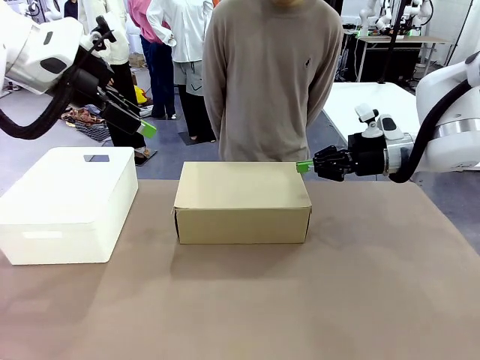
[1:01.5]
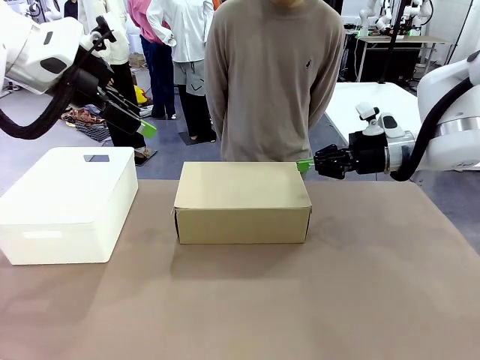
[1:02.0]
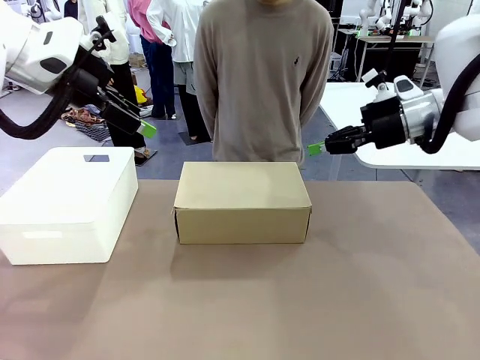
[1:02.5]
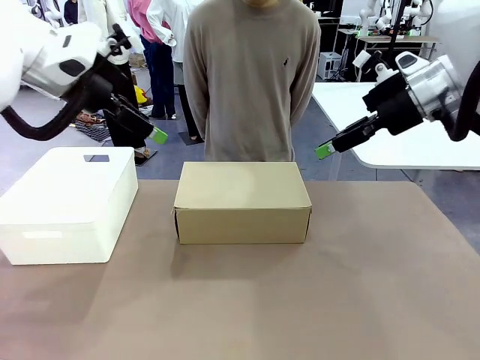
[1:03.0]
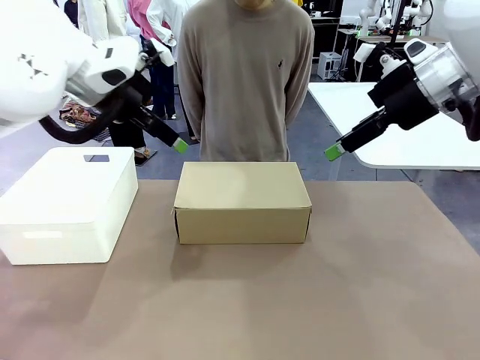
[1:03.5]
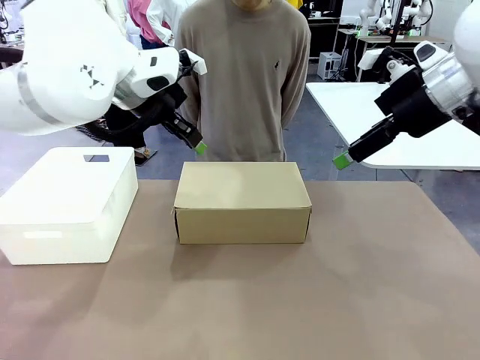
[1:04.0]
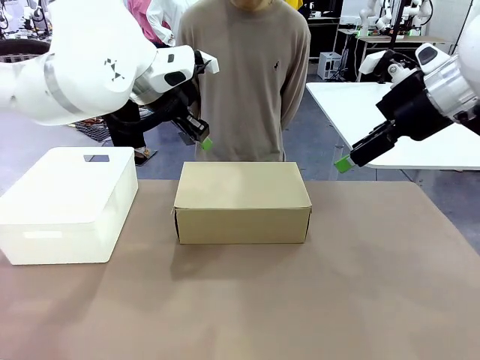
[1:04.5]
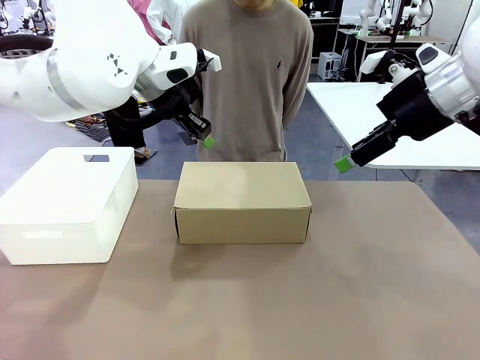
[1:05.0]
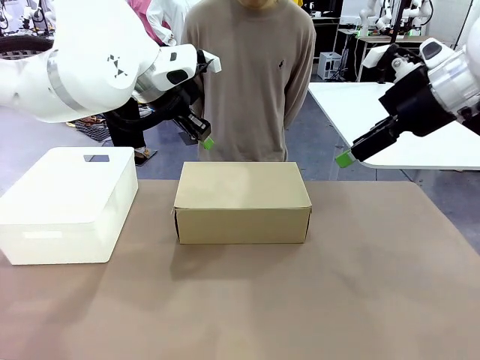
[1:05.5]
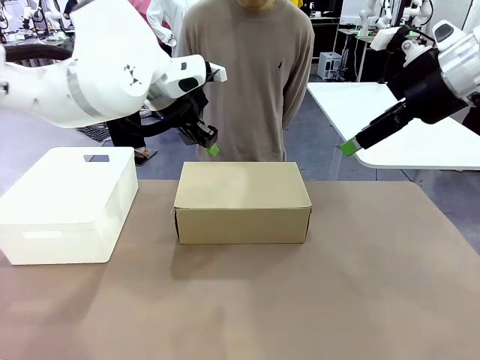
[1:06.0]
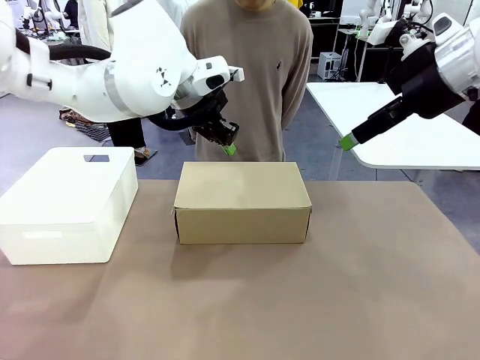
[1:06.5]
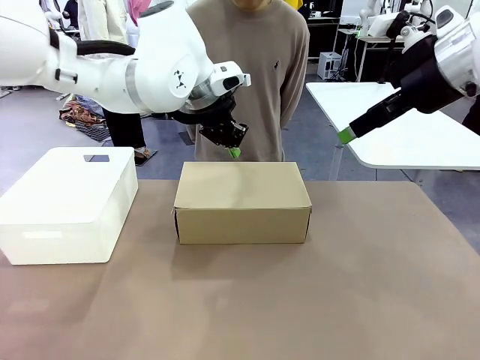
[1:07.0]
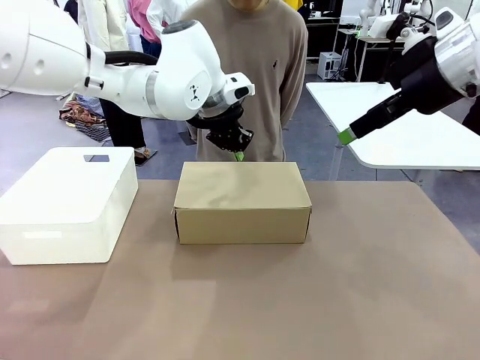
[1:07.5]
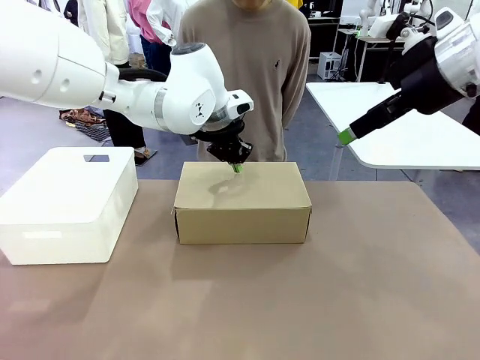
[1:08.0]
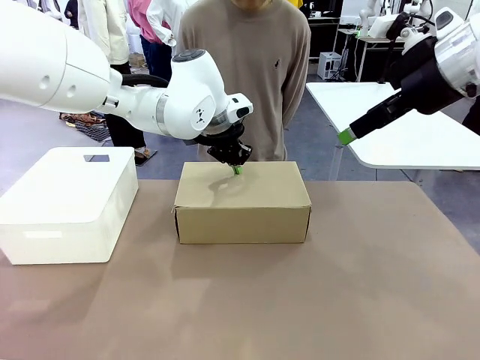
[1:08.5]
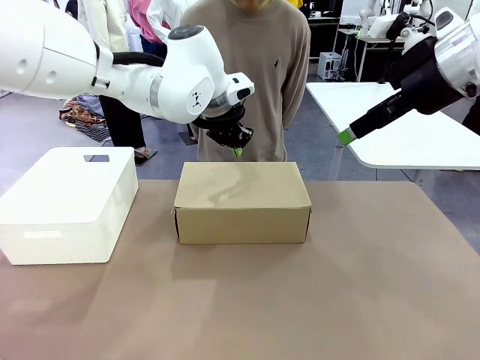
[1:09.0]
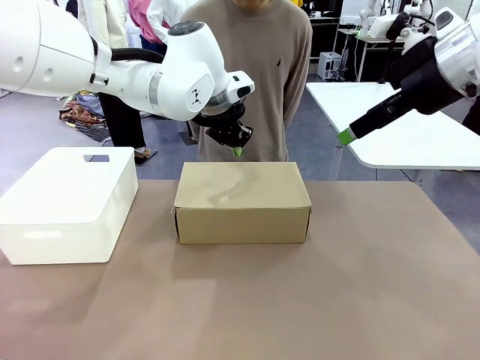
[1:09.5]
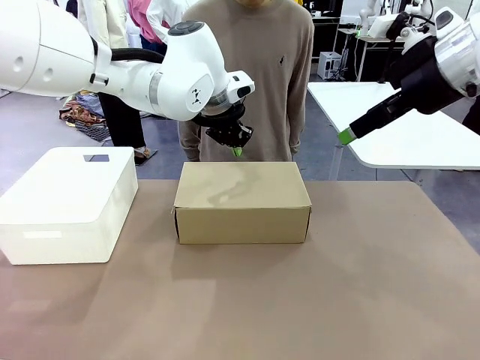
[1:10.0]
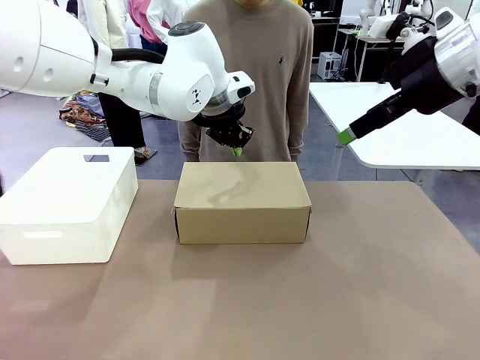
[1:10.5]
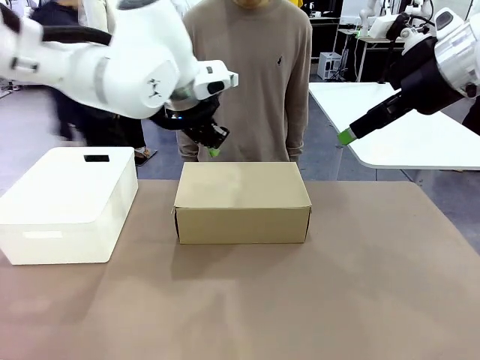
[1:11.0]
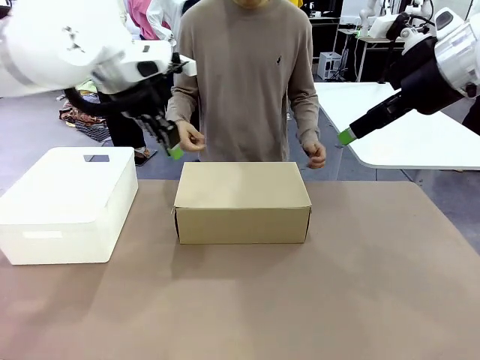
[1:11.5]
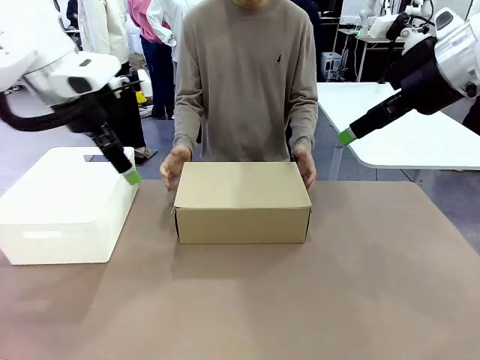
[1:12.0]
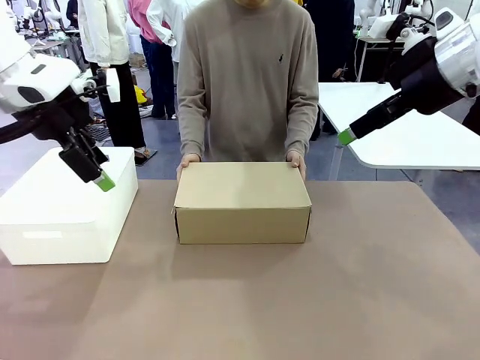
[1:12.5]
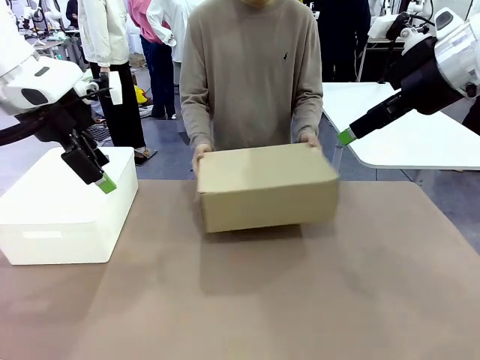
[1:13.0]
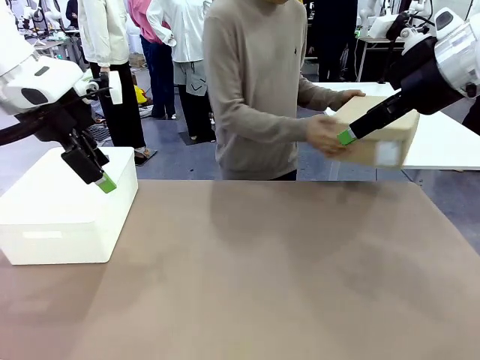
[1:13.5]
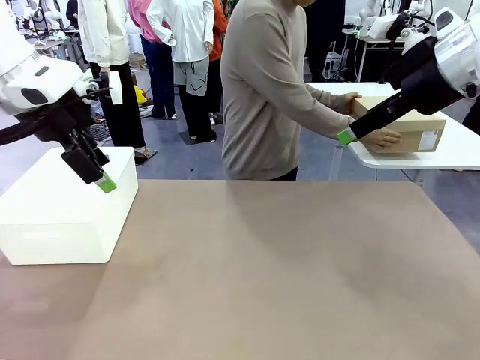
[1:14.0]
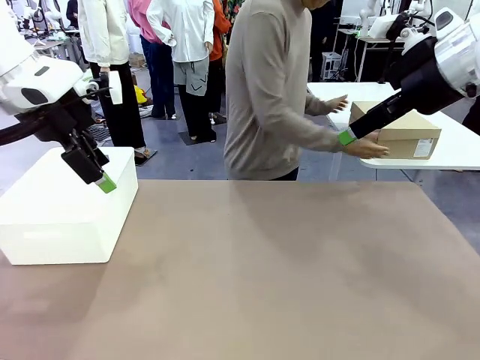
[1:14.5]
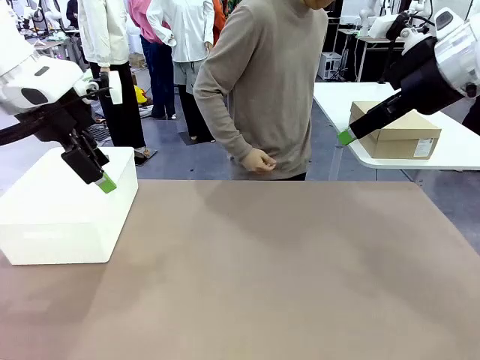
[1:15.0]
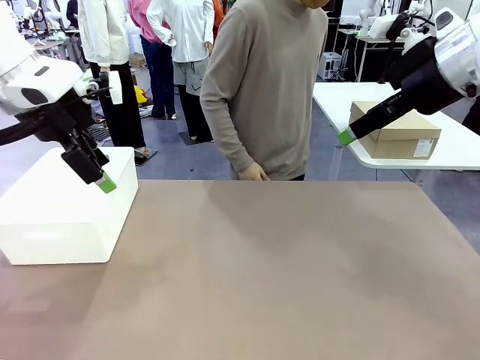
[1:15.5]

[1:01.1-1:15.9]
Task: Pack the shoes into the box.
Robot: Press down on the lid of the Shoes Box.
Person: Place the closed Shoes Box to the right side of the human table.

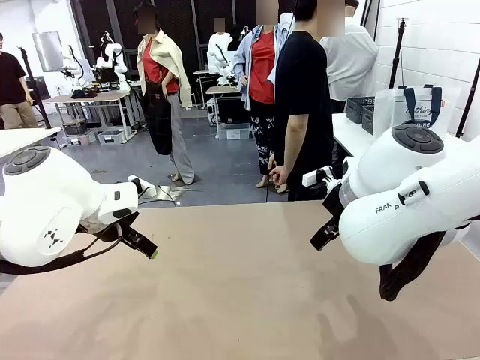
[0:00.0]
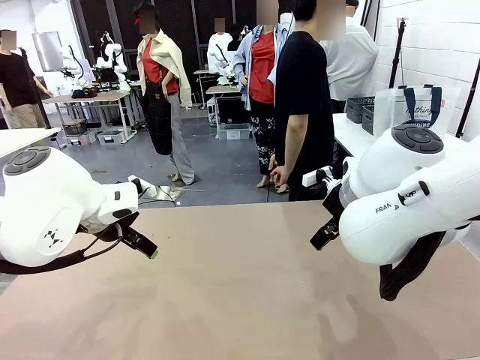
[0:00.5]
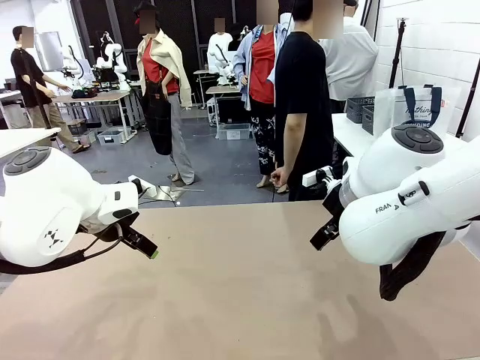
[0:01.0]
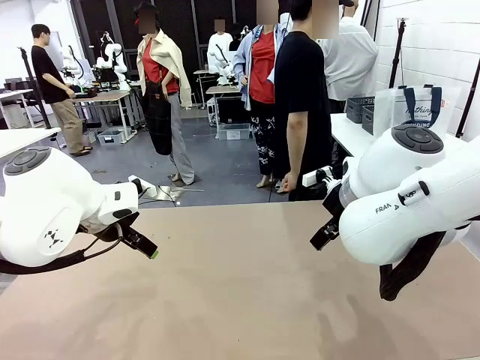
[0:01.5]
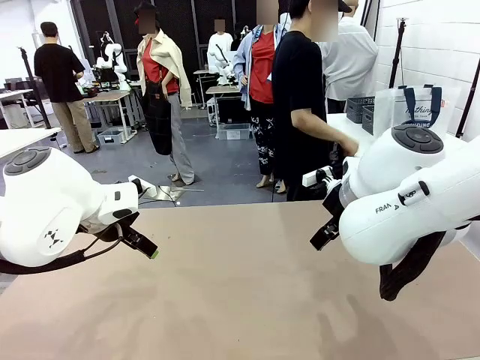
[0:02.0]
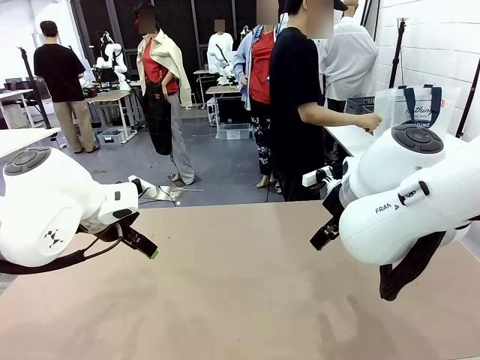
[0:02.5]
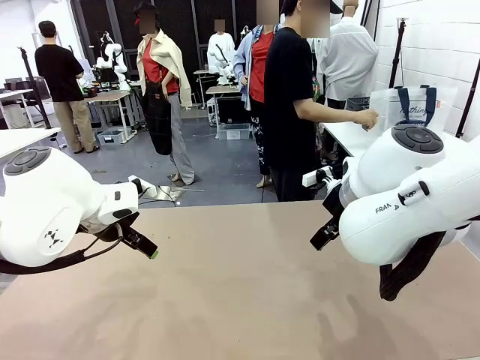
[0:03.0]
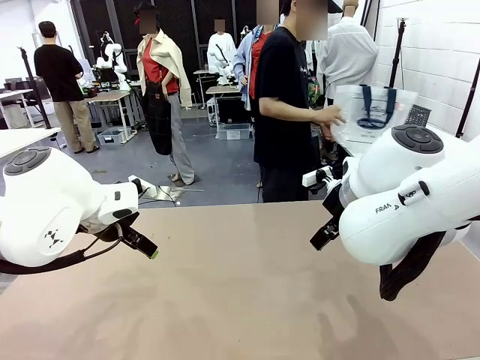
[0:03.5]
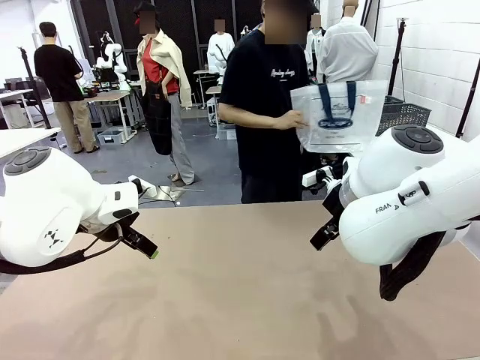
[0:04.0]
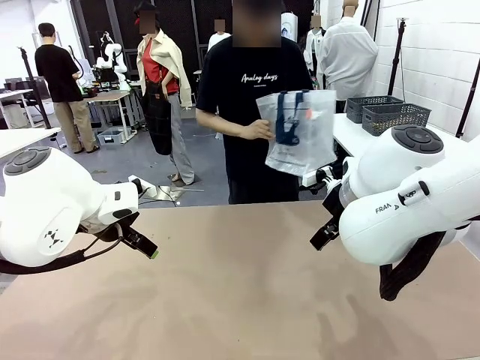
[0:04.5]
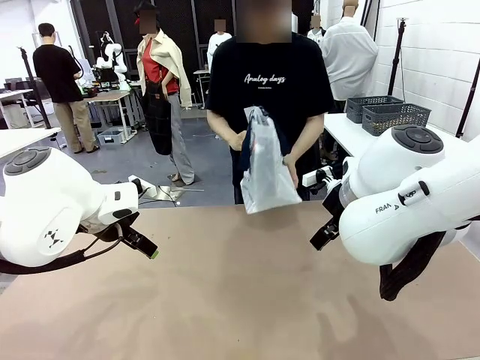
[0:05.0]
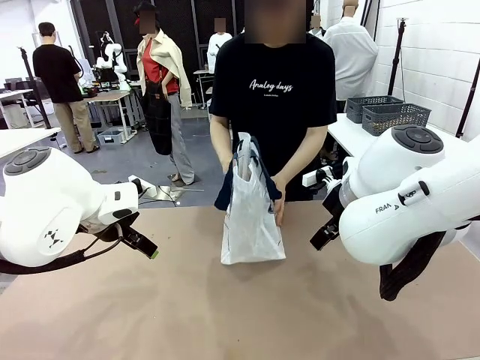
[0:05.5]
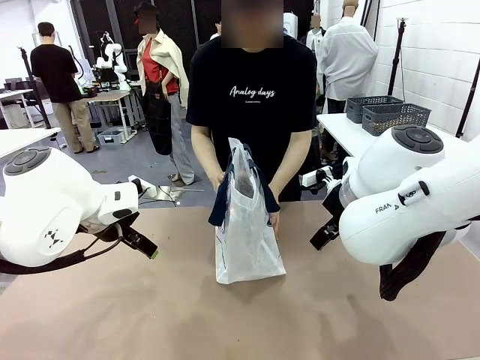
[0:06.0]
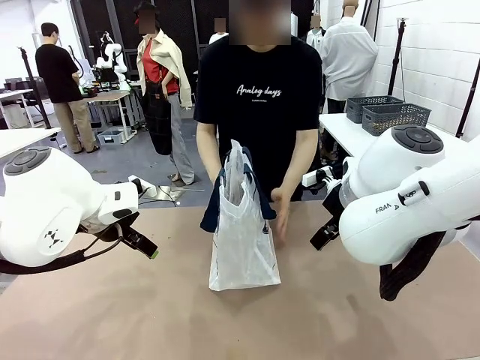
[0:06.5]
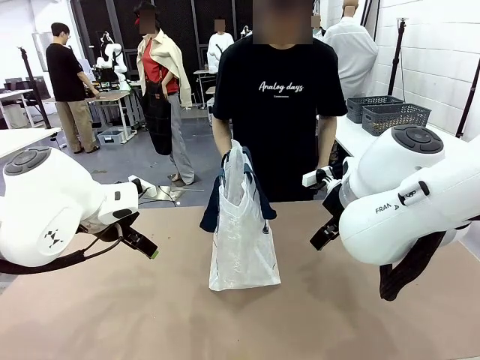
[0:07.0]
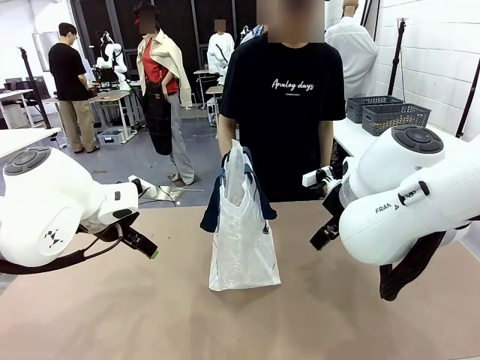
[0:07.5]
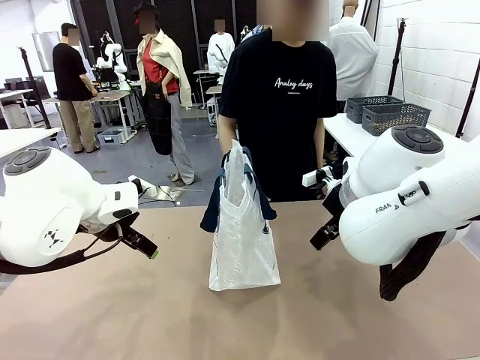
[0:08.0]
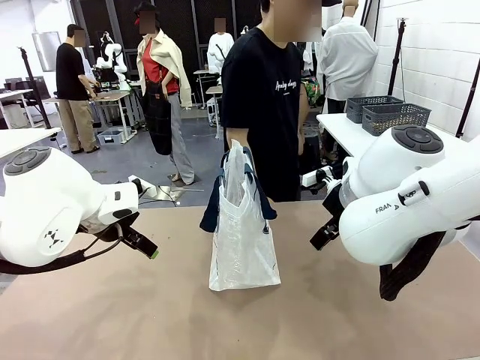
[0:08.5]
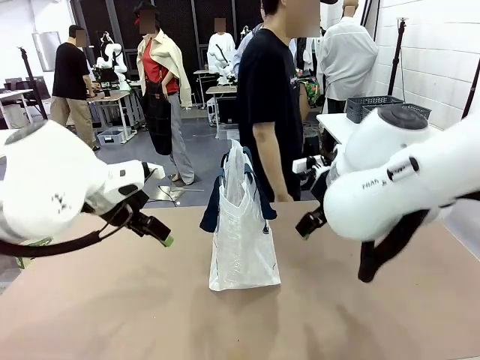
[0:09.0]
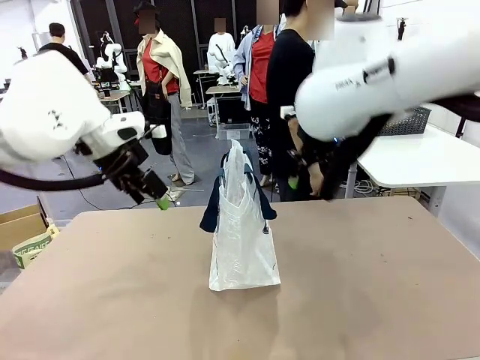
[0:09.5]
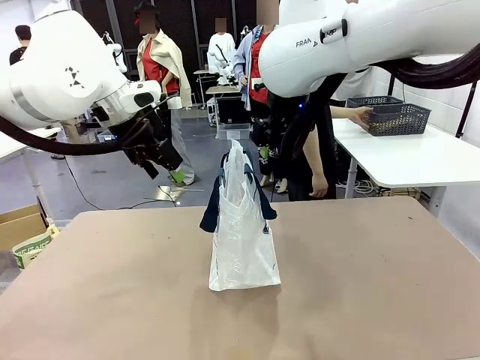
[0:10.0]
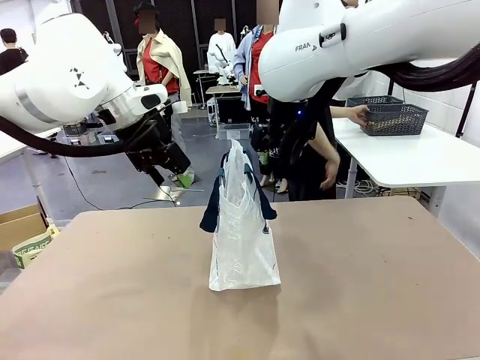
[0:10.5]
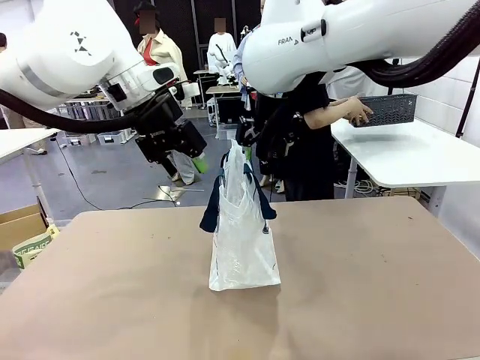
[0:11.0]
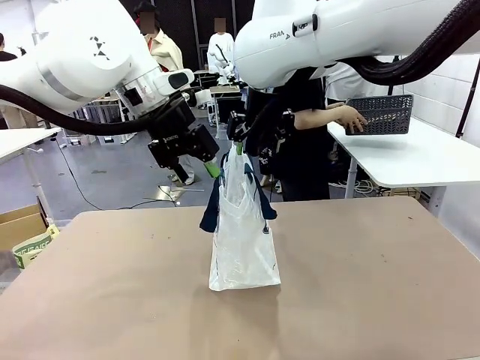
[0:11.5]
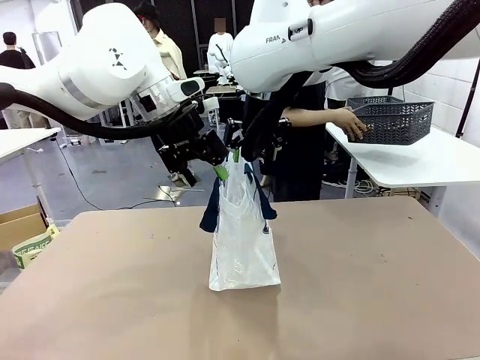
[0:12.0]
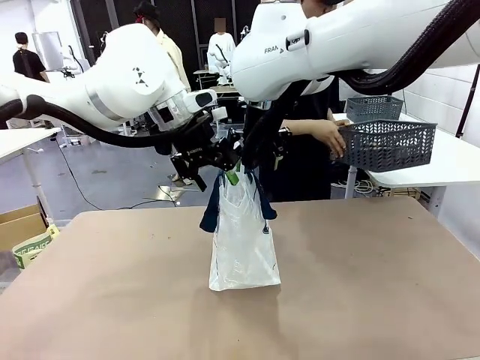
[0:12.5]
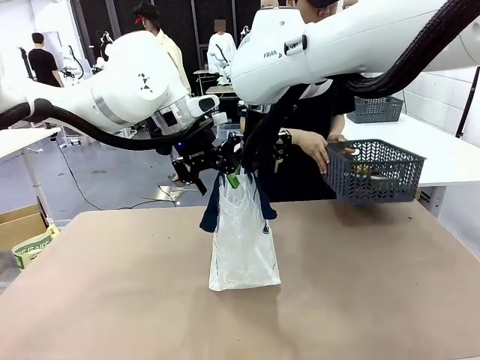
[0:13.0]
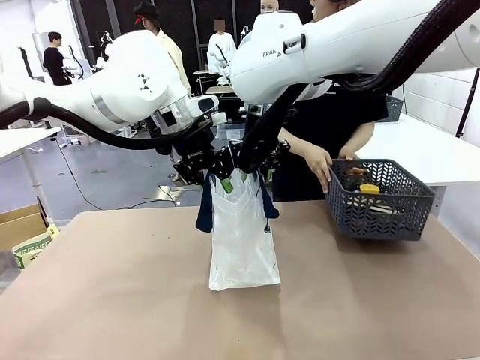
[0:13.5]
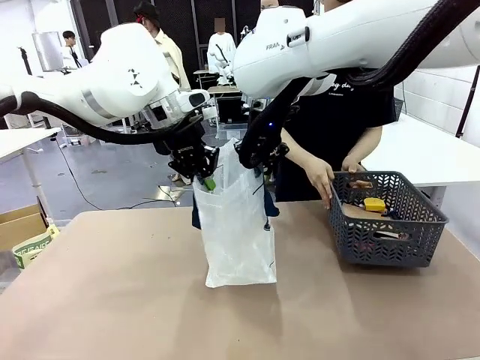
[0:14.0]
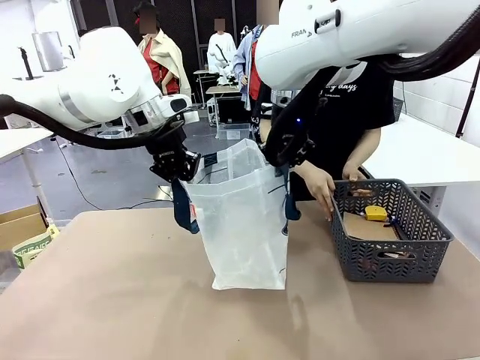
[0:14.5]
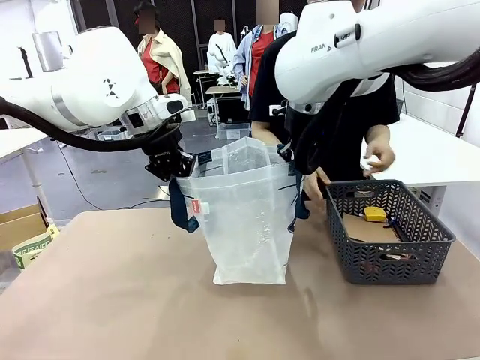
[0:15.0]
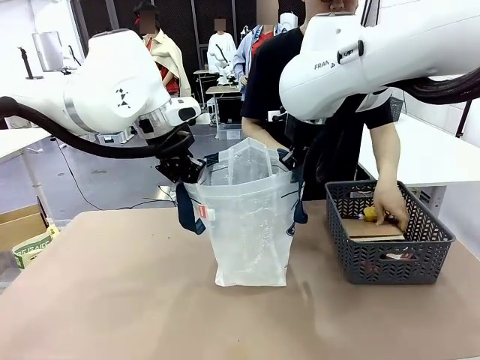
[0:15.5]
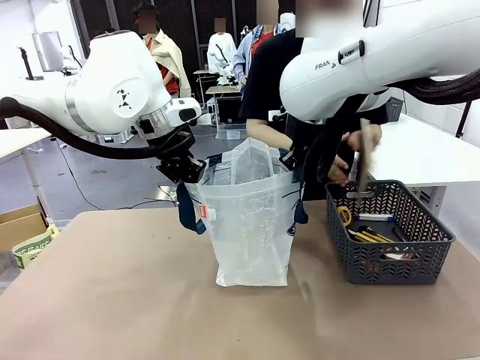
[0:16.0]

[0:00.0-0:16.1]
Task: Transfer purchased items from the store into the shopping bag.
Robot: Open the Reusable shopping bag in the center of the table.
Person: Pick up the shopping bag and place it in the middle of the robot table.
